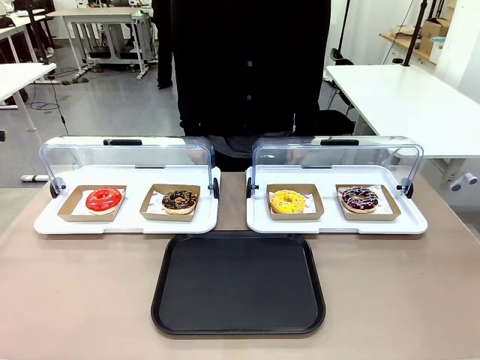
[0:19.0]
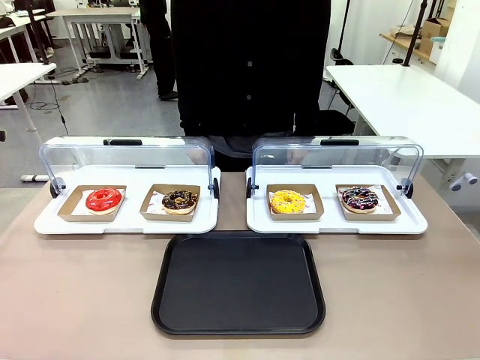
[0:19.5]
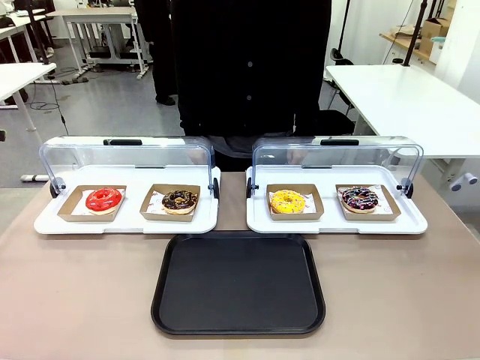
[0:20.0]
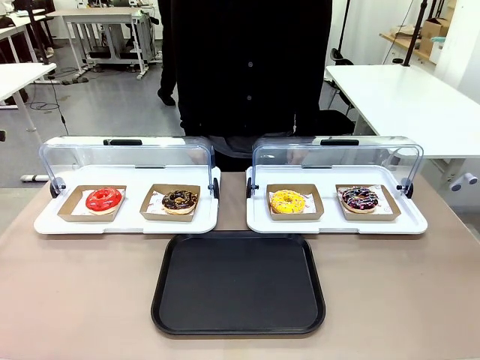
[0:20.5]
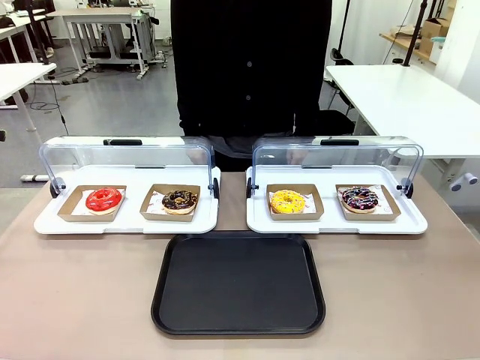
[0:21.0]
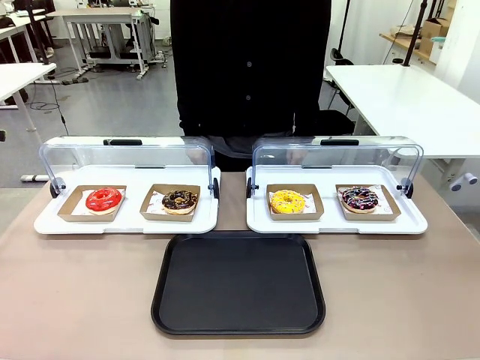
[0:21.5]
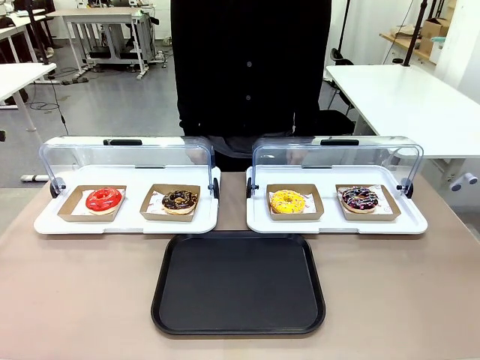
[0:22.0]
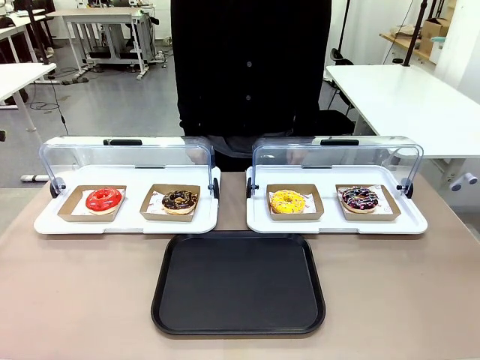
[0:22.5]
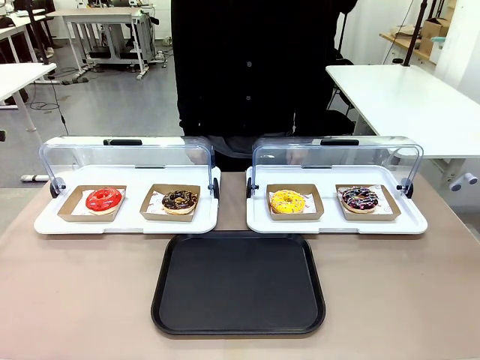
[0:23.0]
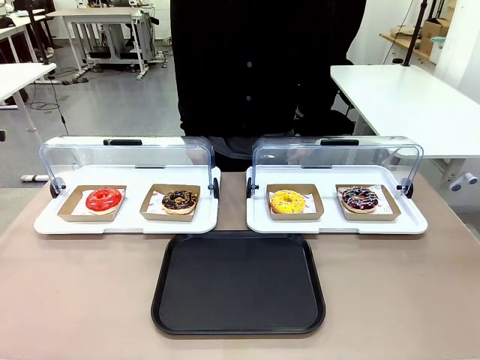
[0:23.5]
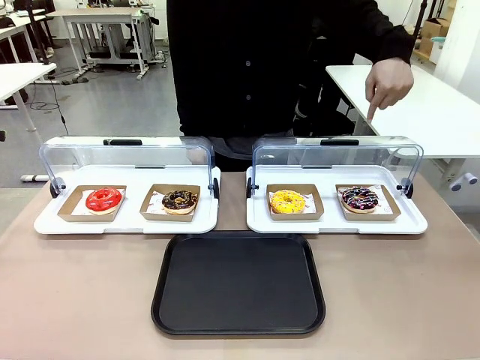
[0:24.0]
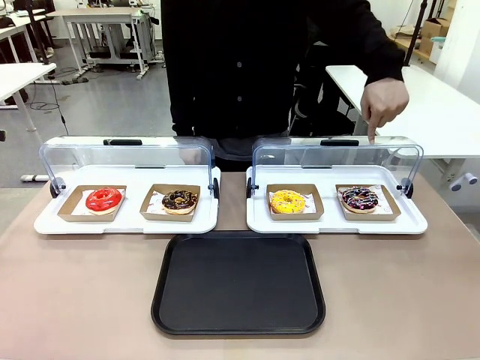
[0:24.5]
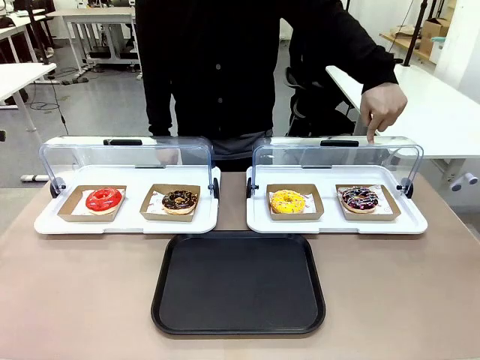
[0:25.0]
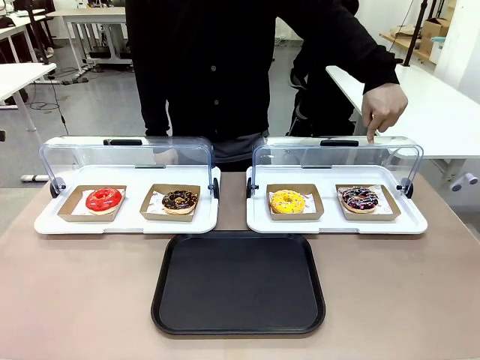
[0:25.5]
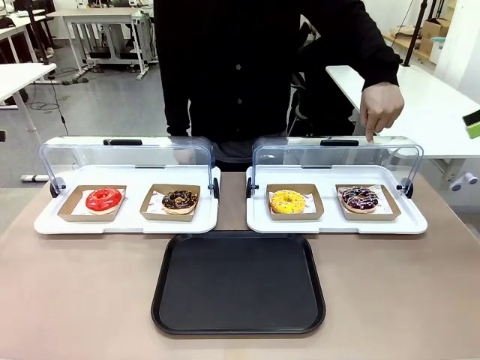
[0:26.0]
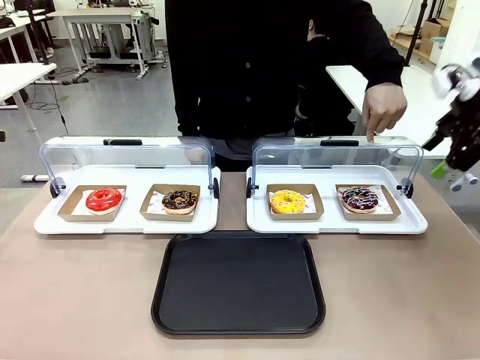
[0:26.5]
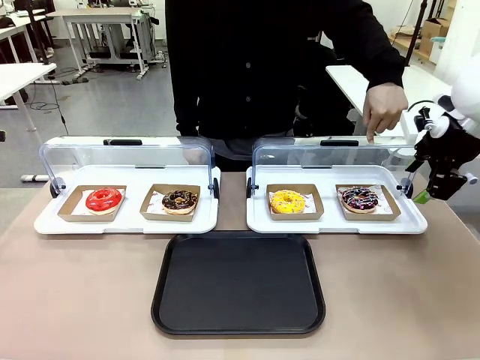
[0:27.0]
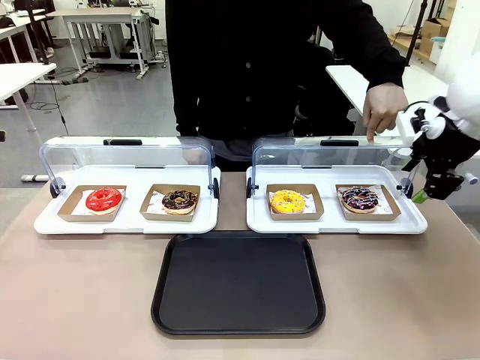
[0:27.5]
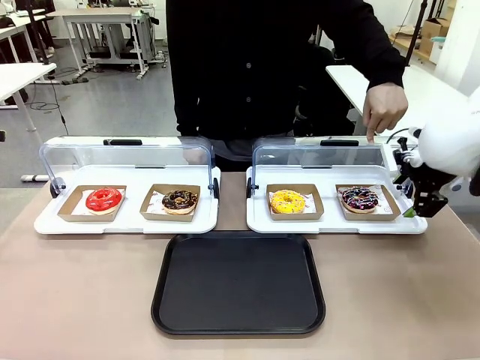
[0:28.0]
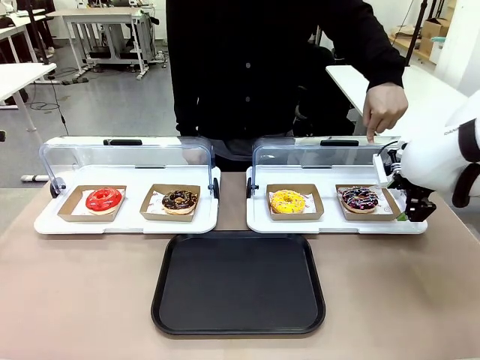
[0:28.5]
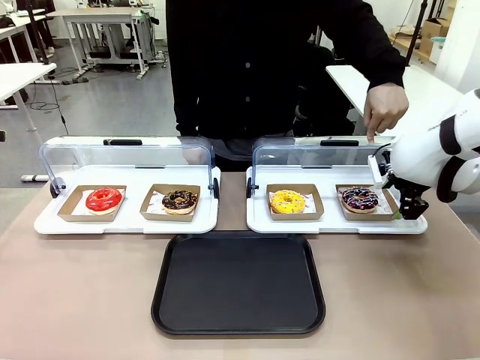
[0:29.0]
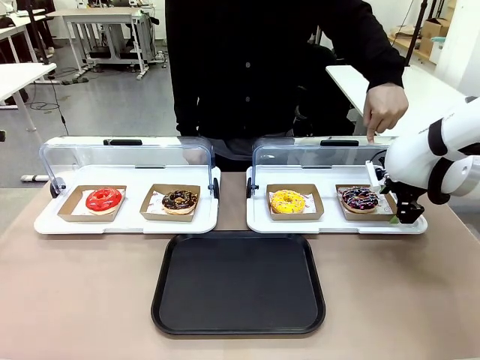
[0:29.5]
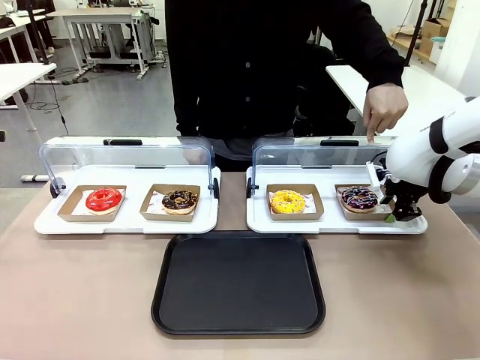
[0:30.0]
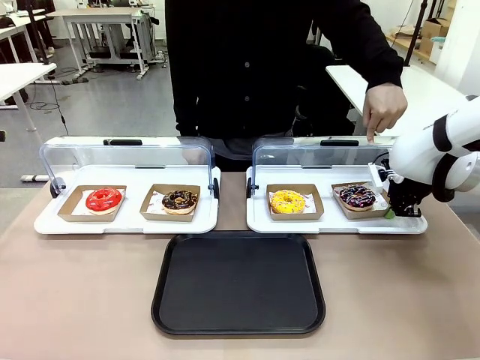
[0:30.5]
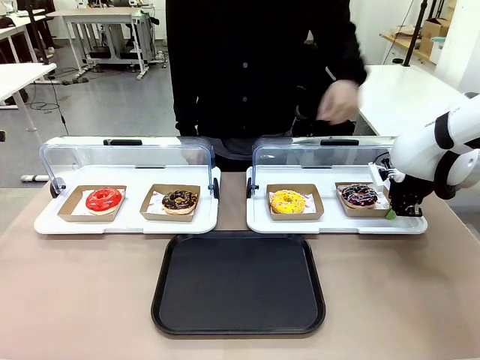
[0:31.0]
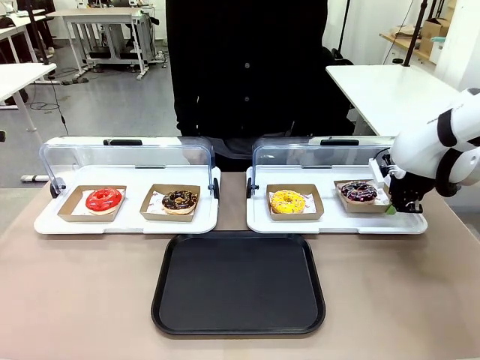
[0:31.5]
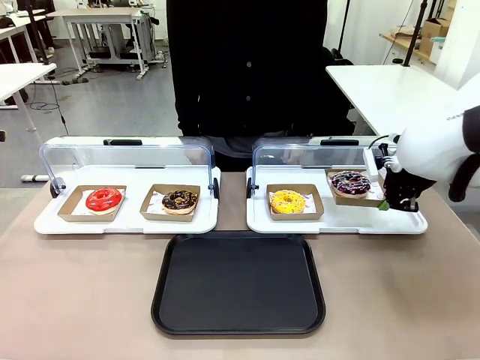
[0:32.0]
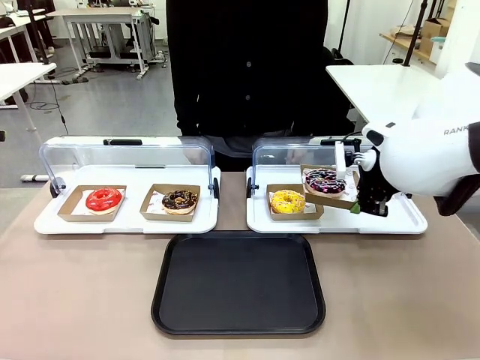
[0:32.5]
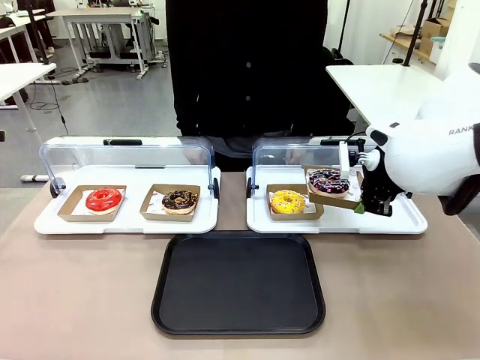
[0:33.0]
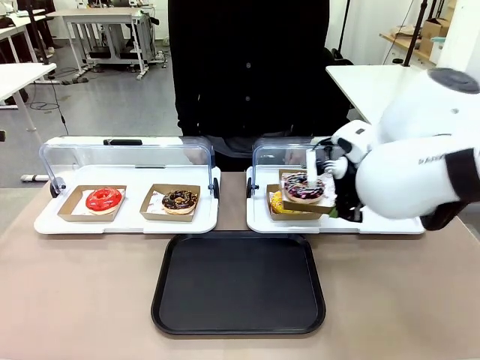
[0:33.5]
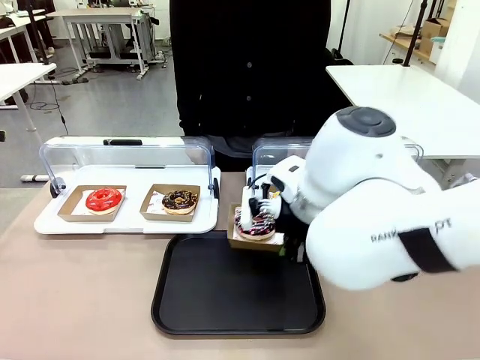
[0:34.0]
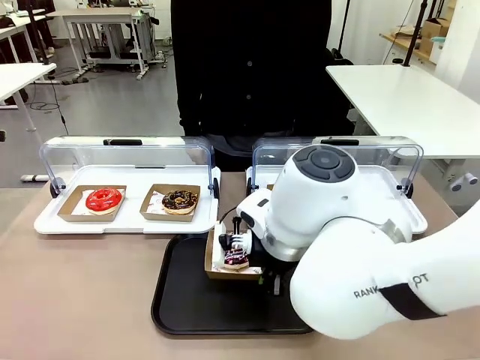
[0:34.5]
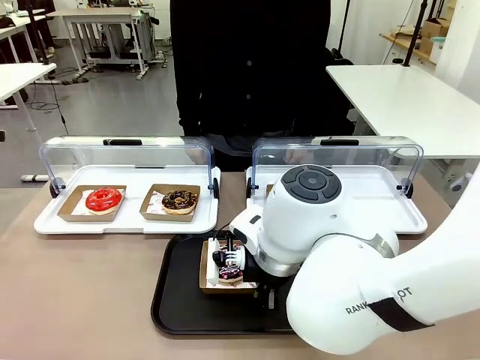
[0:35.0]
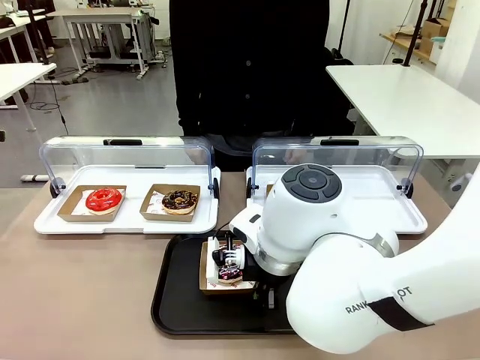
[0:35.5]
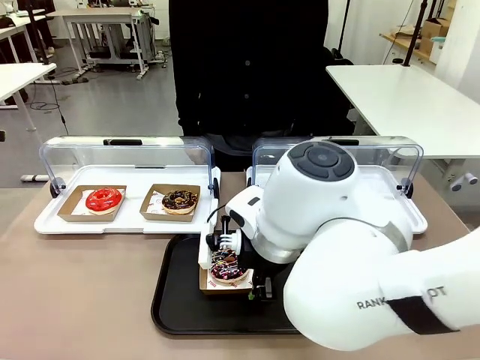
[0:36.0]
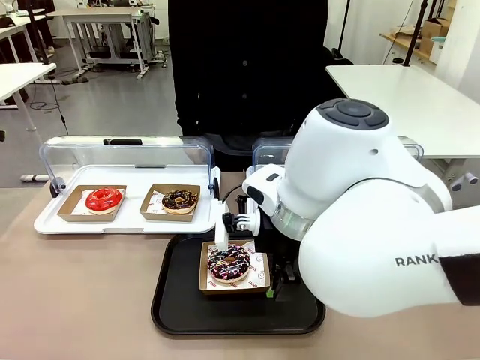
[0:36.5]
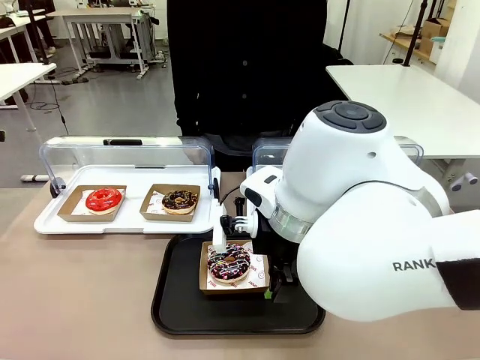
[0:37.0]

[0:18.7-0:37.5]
Task: Move the fourth donut from the left to the tray.
Robot: Pick up the Paper togo box containing the Donut indicated by the person and place it on the Handle tray.
Person: Points to the fourth donut from the left from the robot’s perspective.
